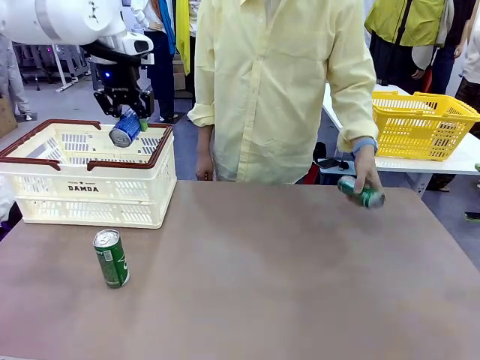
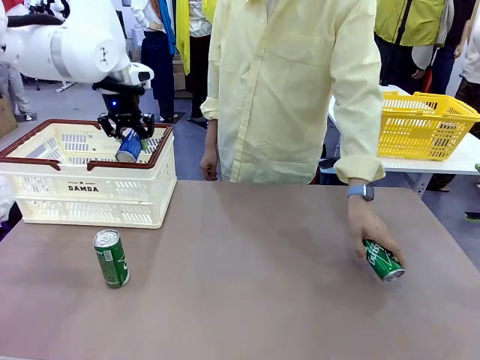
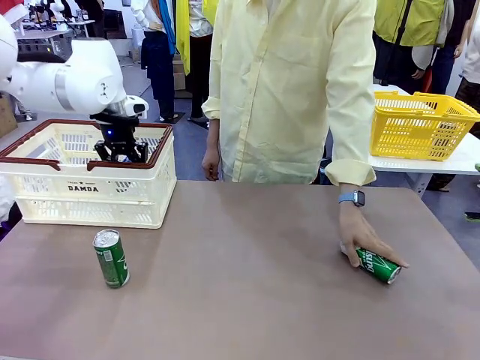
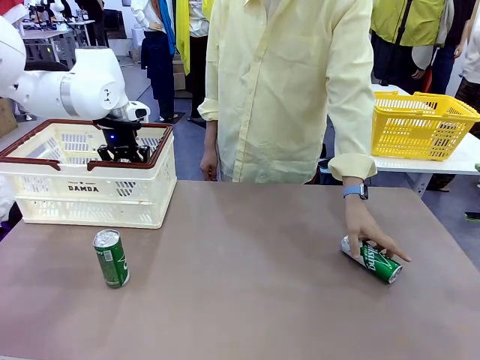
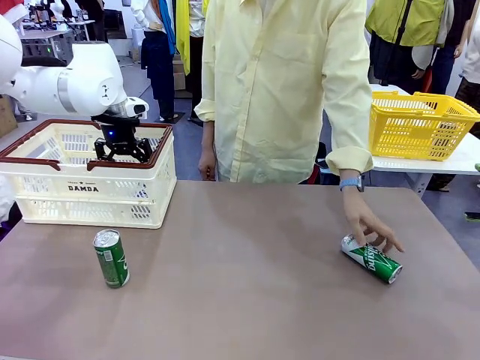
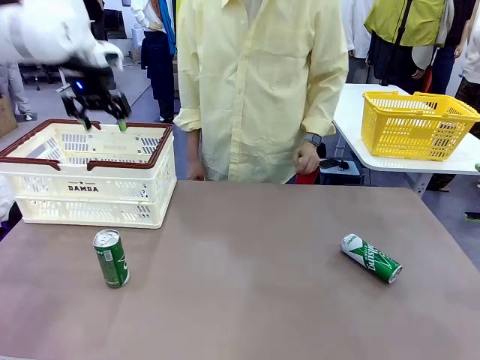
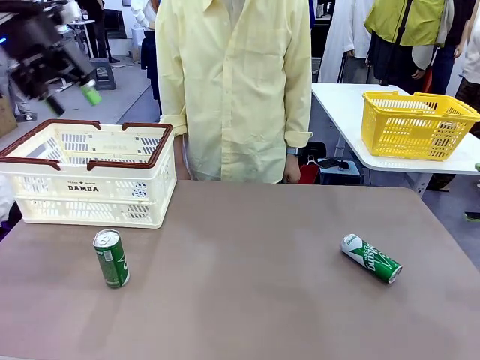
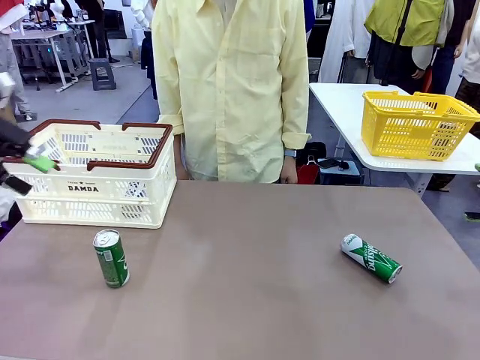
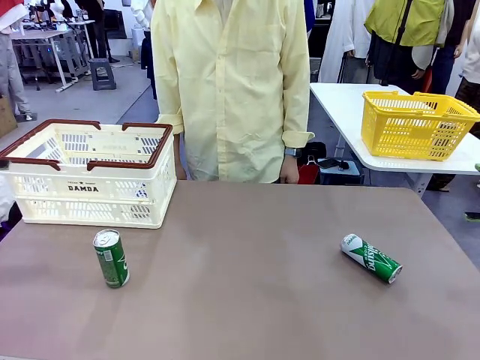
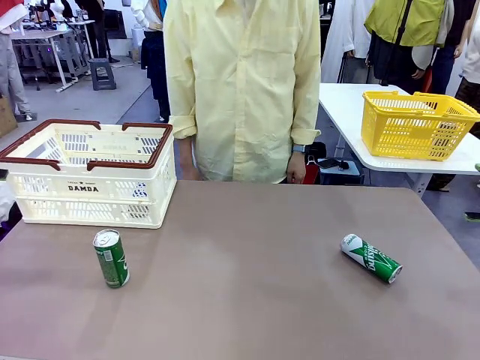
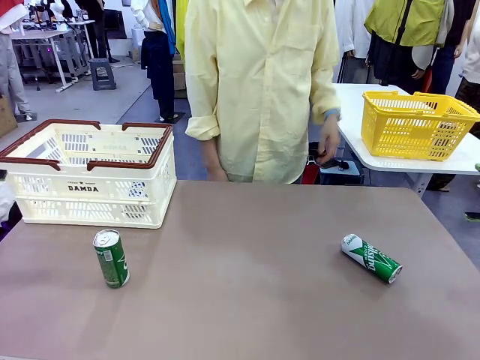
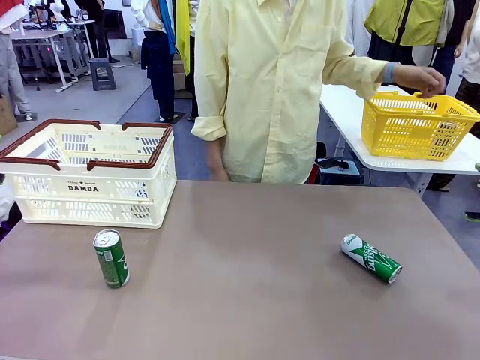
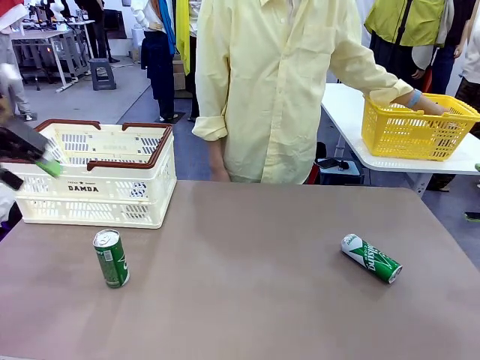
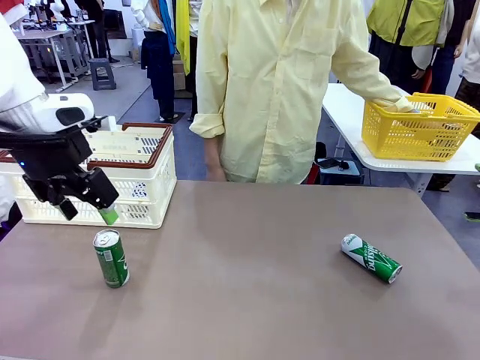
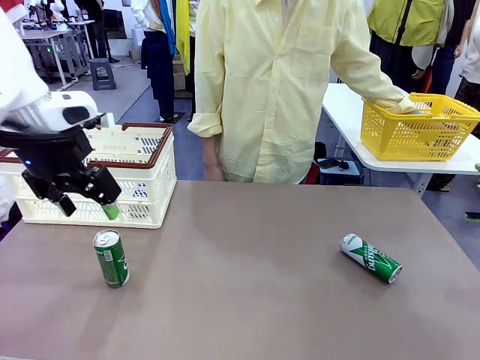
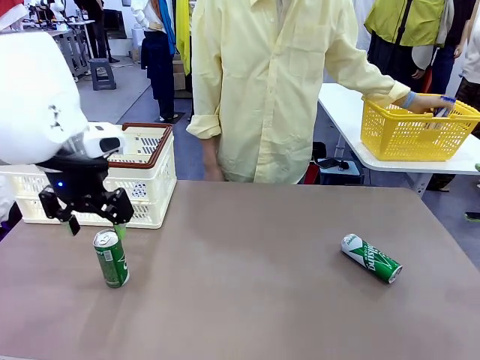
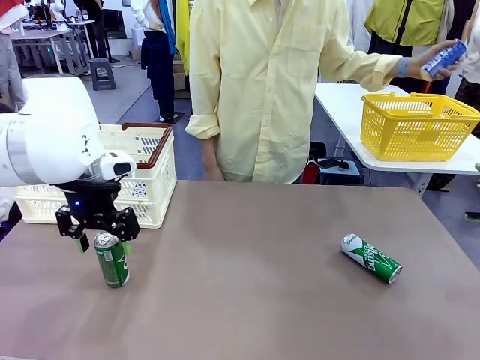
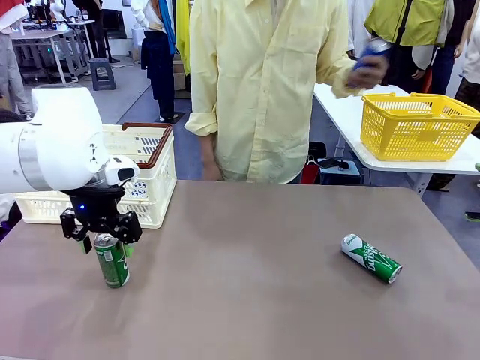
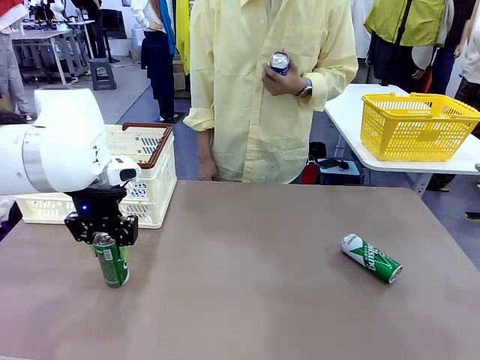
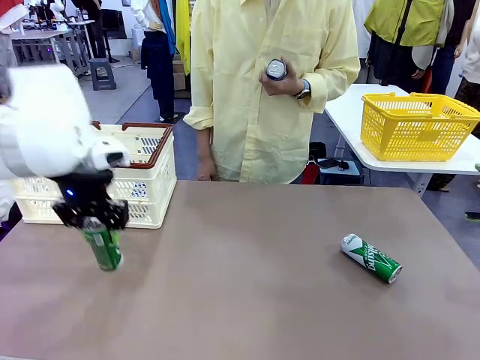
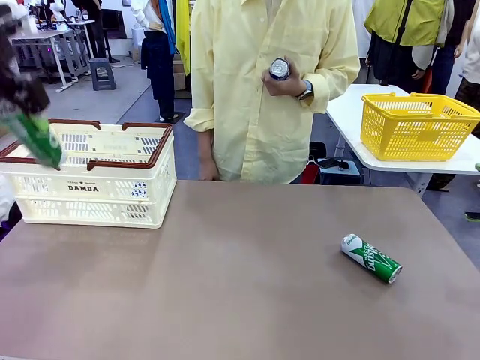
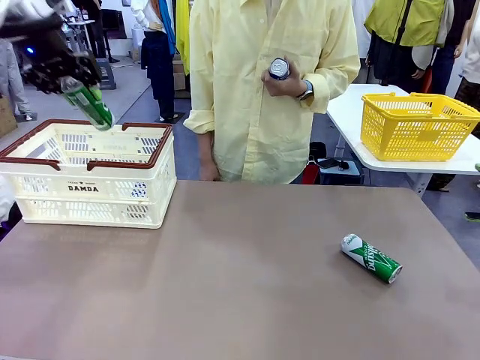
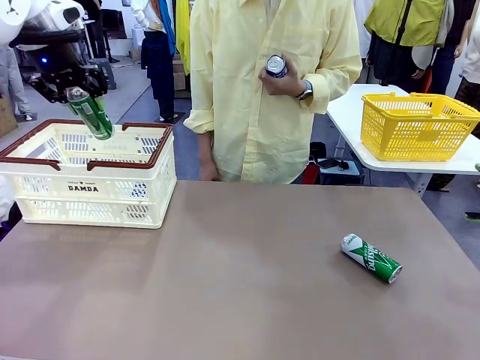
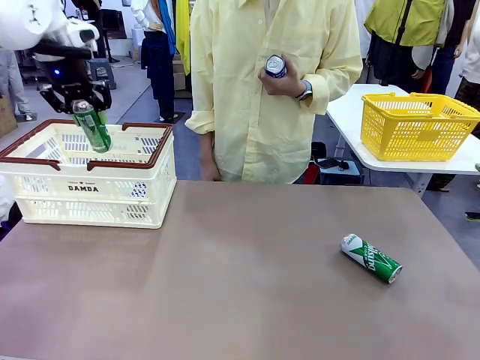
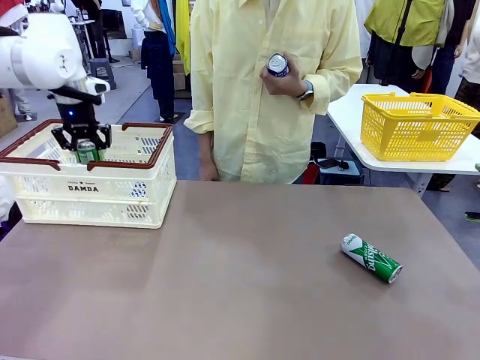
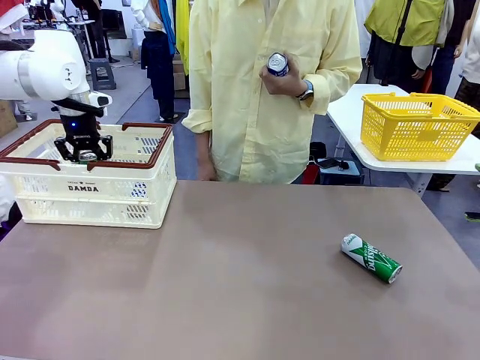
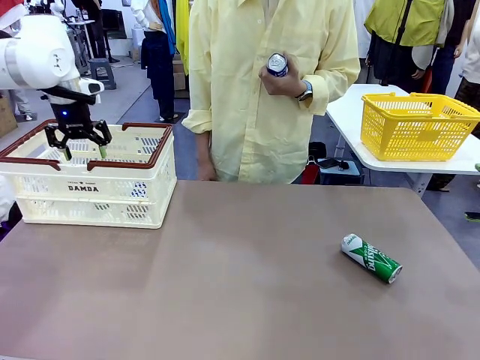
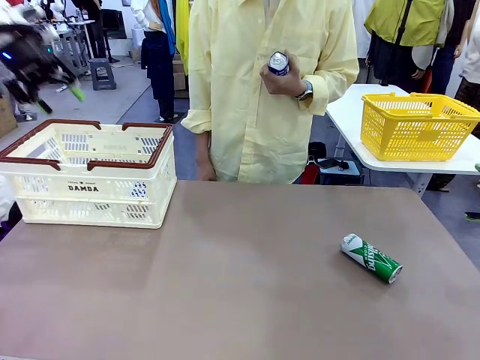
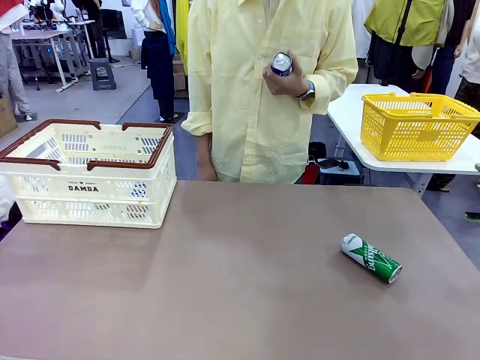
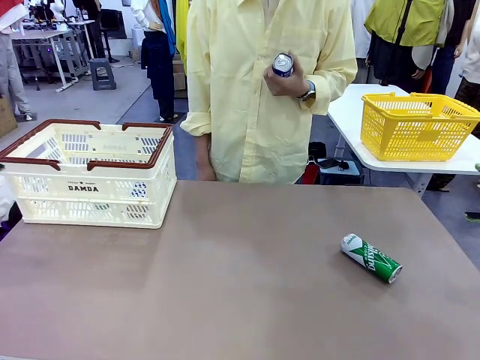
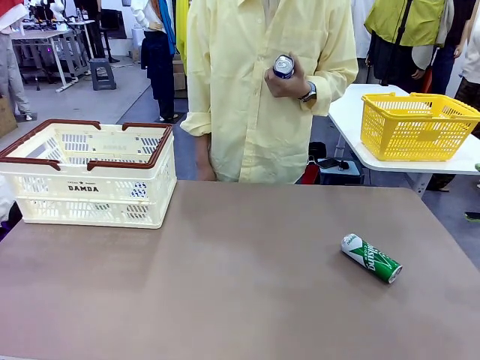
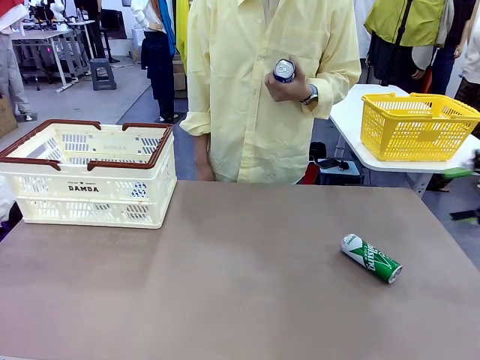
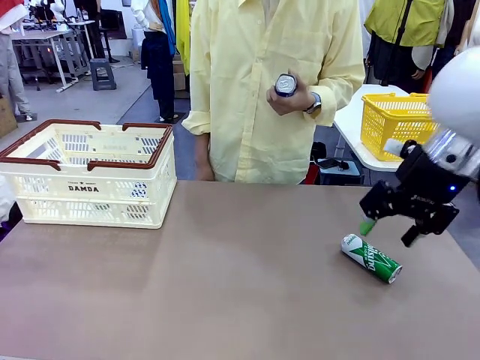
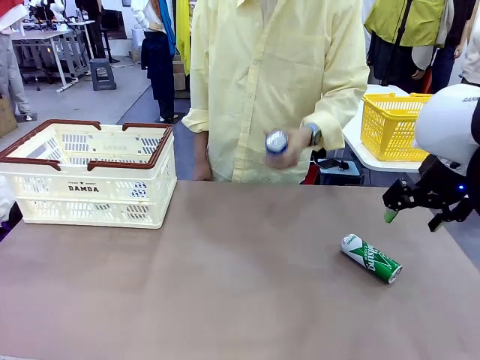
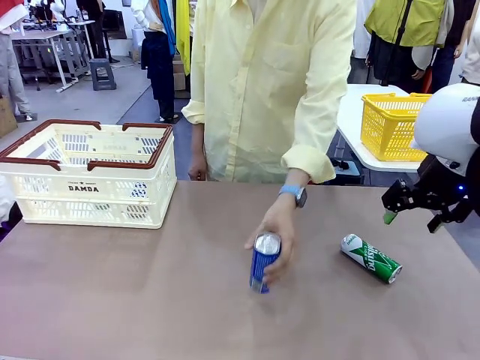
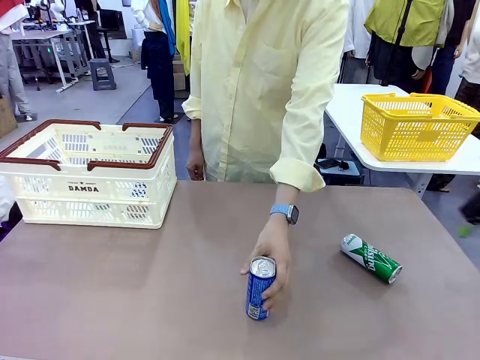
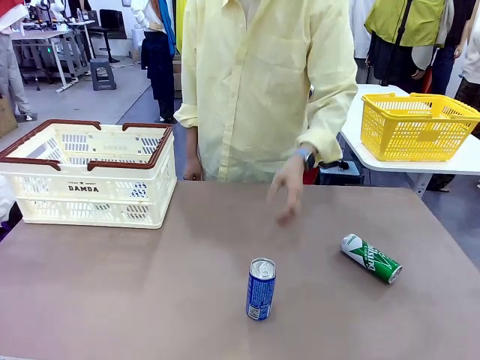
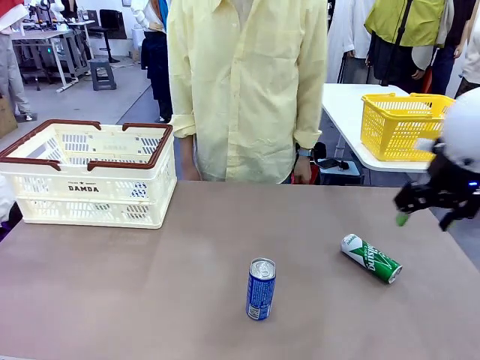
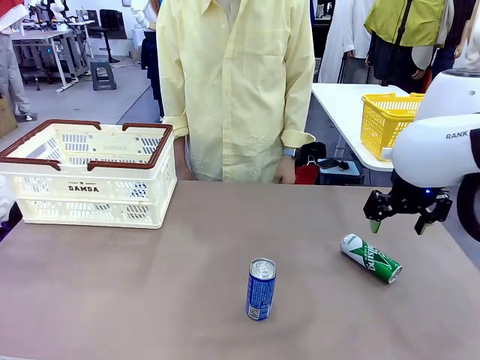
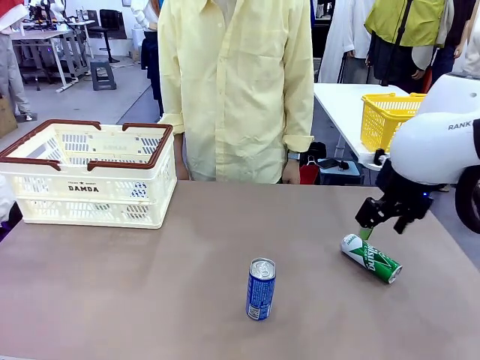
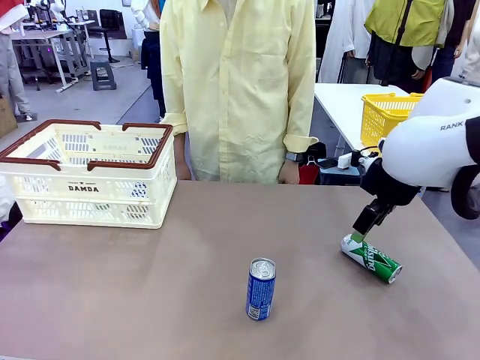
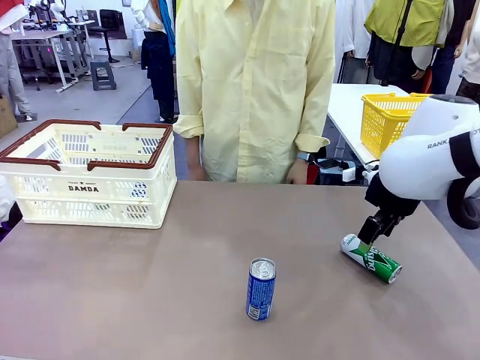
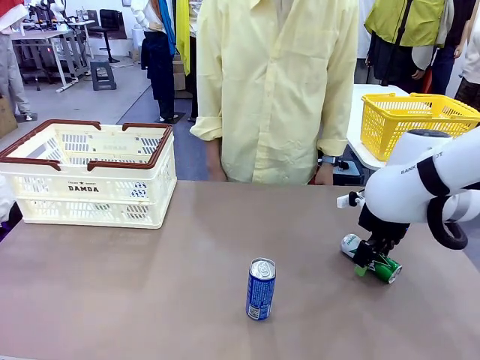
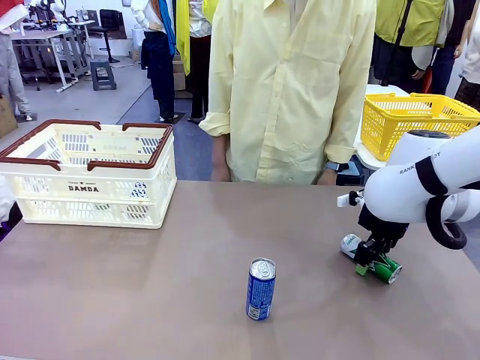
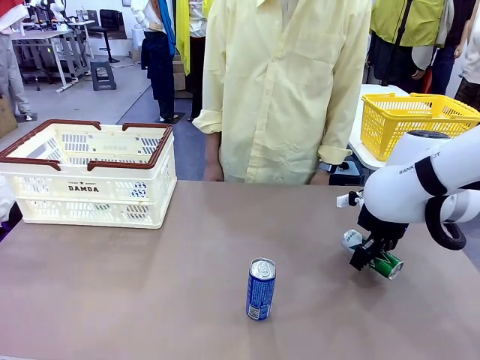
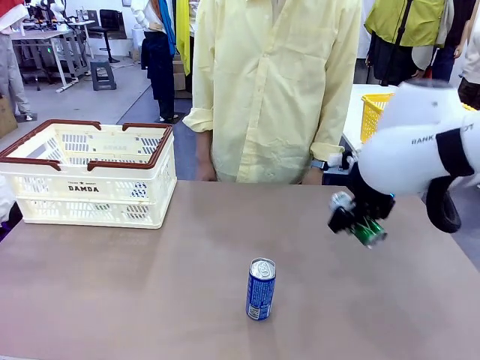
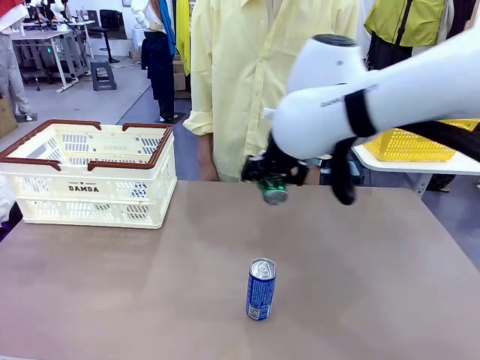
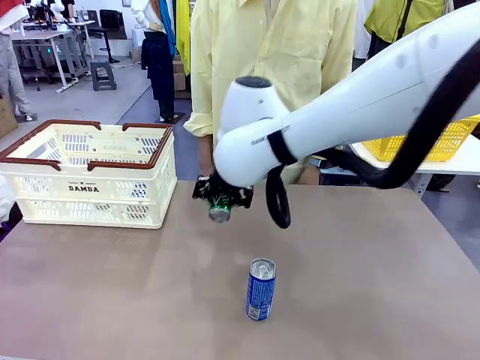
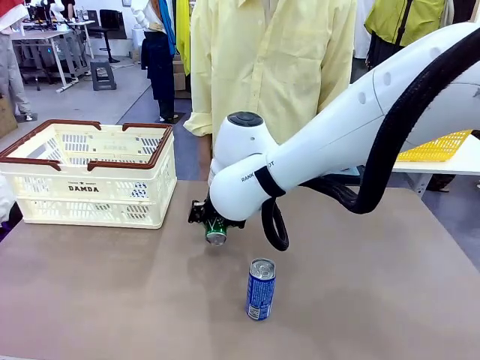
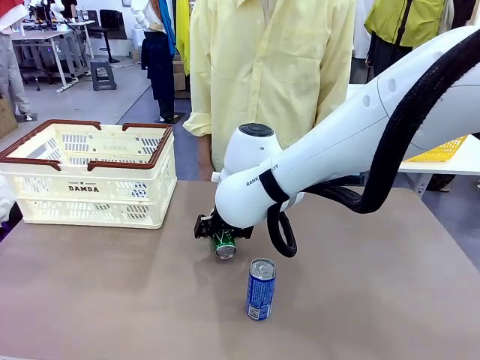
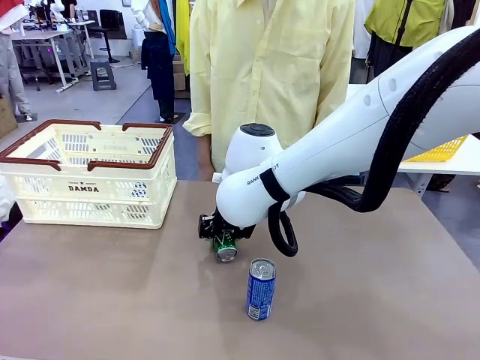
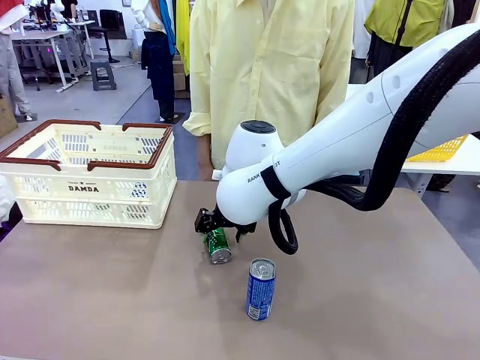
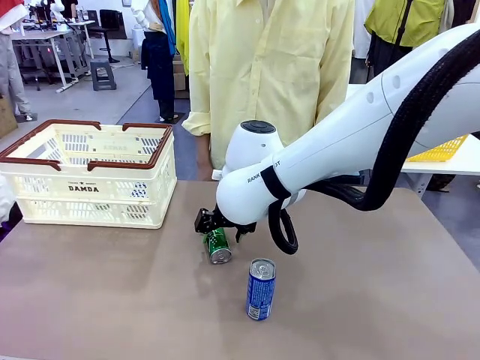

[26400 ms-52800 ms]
Task: Place the drinks into the Shopping basket.
Robot: Pick up one drink and place it into the Shopping basket.

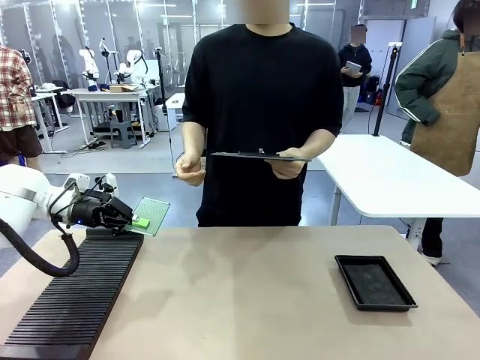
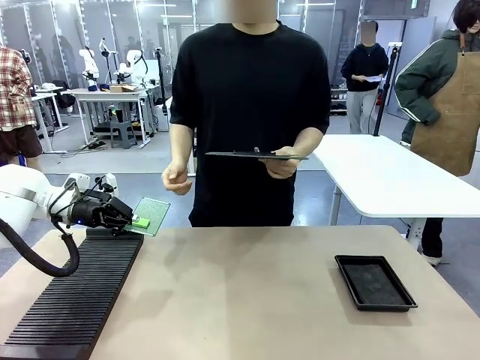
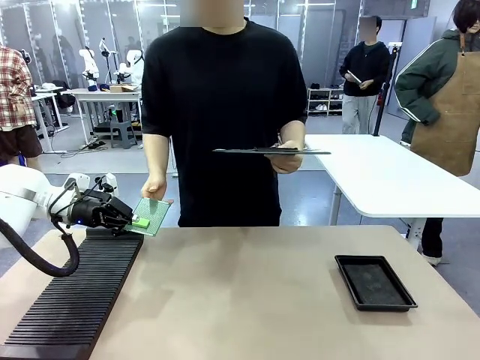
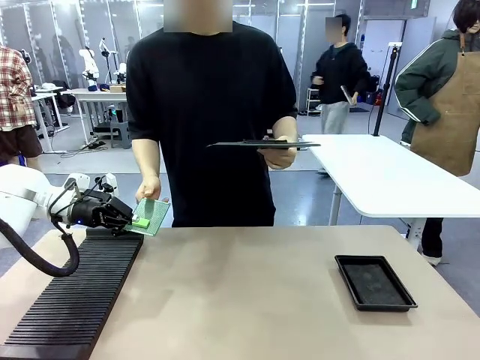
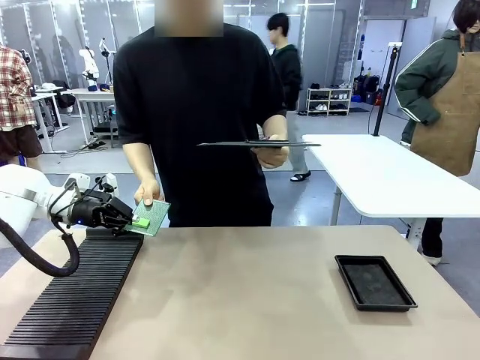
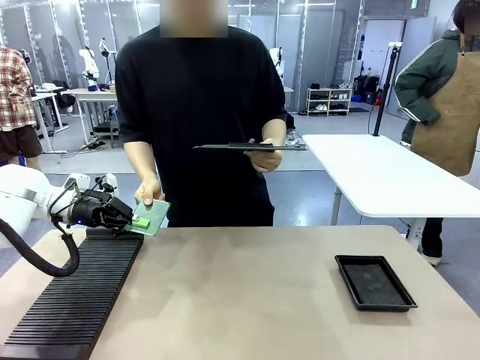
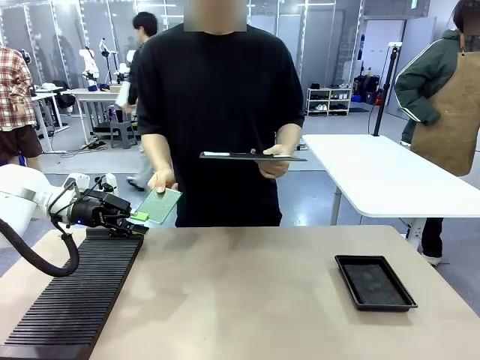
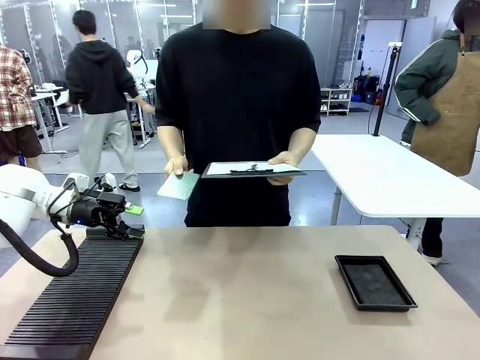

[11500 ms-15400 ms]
Task: Inspect the PCB.
Robot: Release the Blank PCB you were holding.
